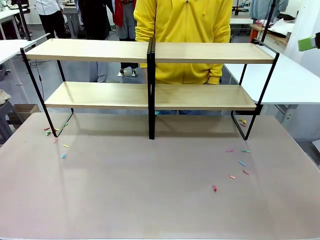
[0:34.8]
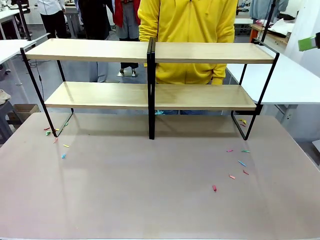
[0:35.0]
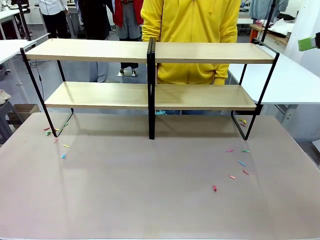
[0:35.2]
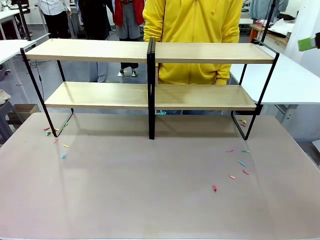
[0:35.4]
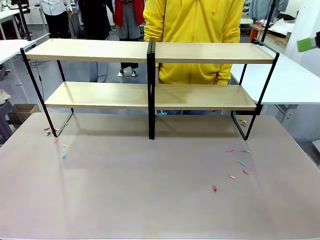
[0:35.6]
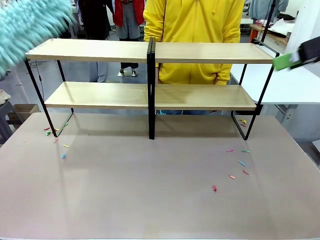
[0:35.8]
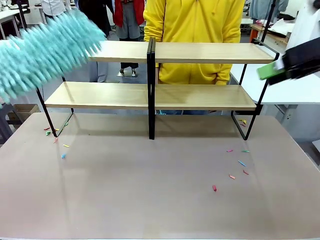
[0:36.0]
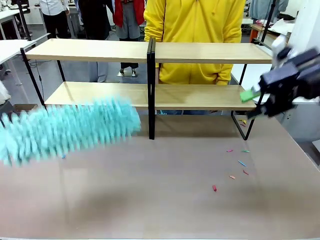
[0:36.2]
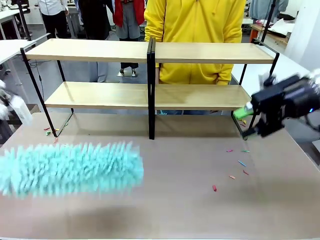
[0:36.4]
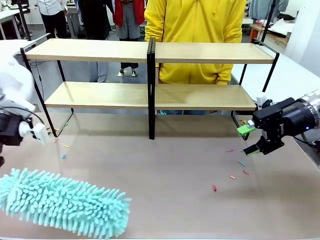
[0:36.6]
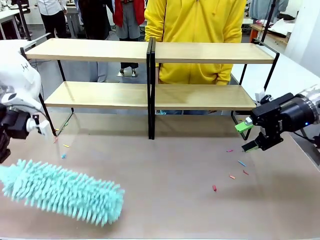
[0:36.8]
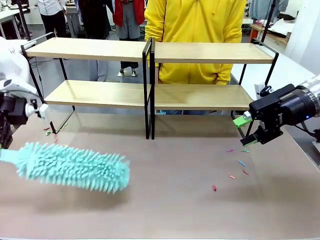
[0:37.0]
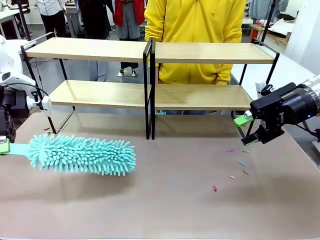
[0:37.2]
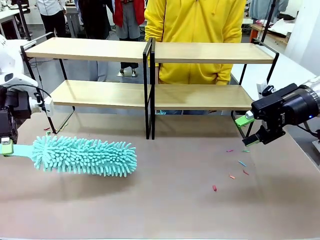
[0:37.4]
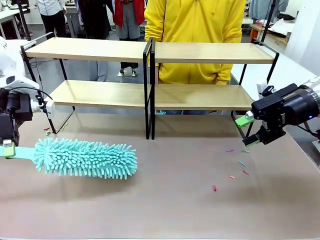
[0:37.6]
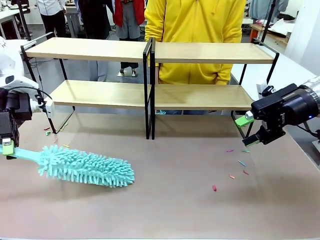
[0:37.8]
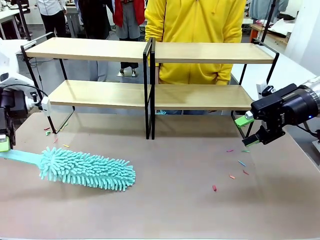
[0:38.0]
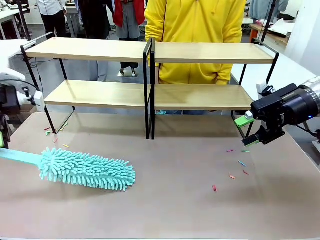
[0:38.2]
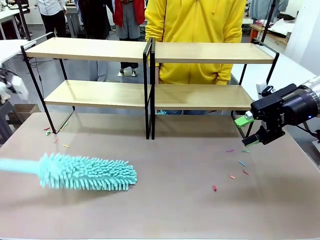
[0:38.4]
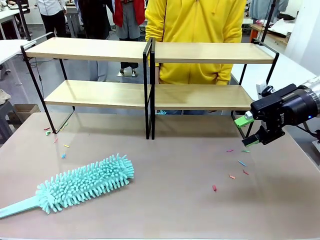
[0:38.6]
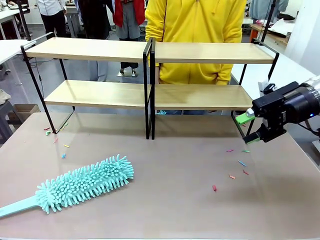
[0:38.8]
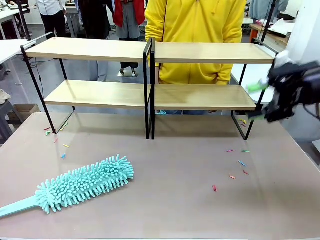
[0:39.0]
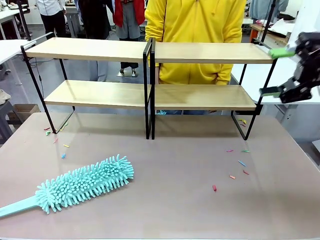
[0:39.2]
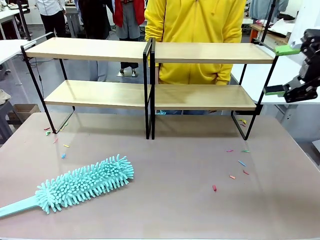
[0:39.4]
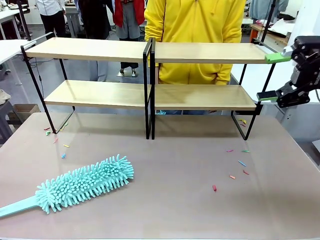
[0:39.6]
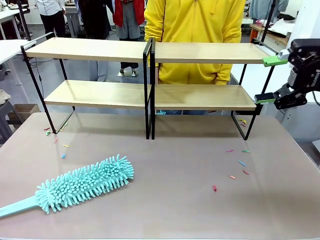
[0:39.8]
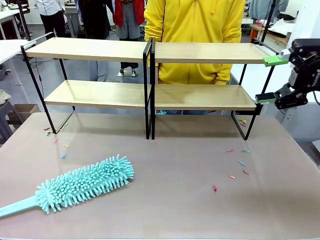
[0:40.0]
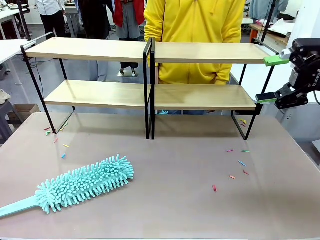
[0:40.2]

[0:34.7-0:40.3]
Task: Clean the shelves.
Robot: Place the Duster on the table.

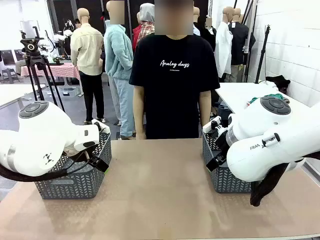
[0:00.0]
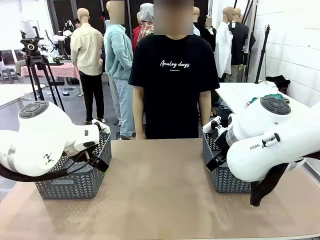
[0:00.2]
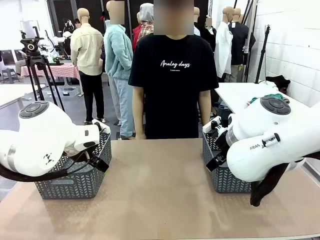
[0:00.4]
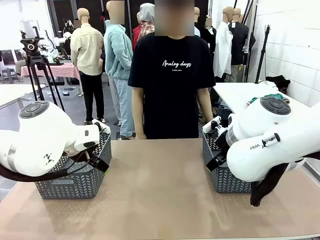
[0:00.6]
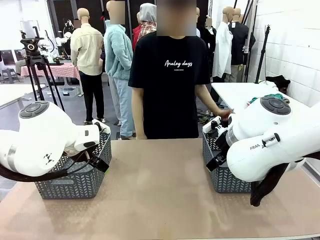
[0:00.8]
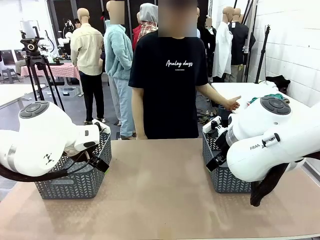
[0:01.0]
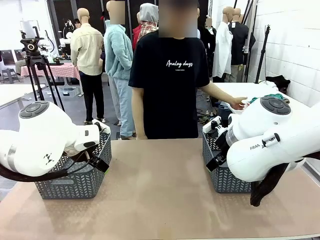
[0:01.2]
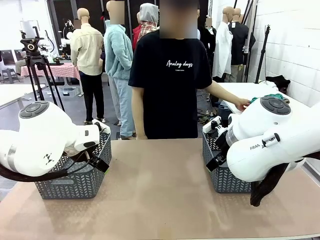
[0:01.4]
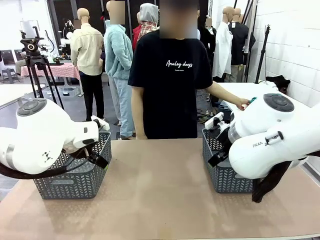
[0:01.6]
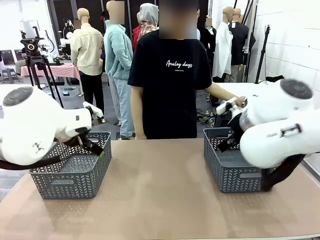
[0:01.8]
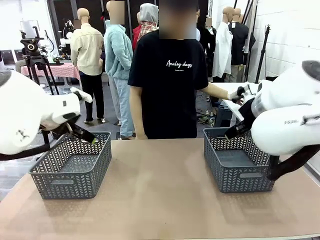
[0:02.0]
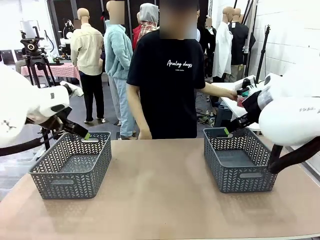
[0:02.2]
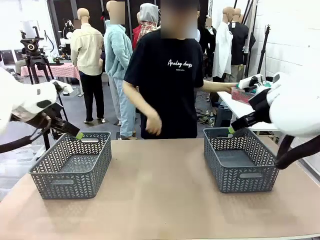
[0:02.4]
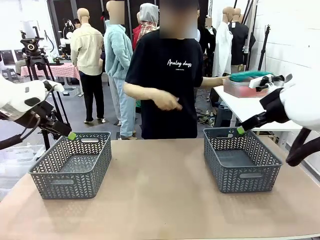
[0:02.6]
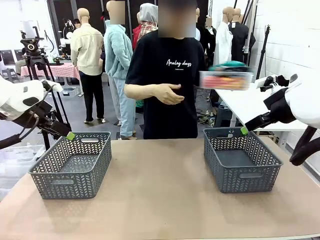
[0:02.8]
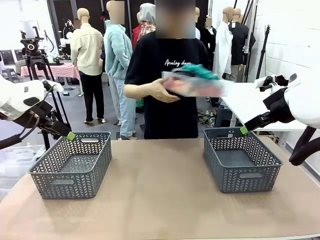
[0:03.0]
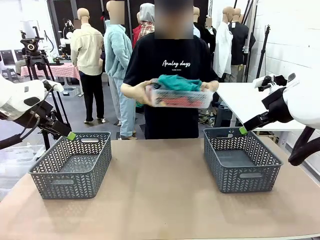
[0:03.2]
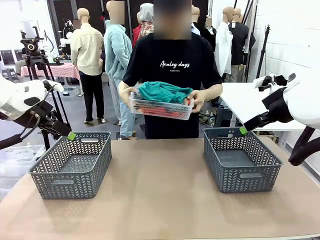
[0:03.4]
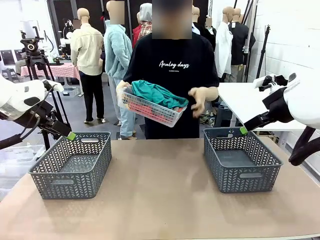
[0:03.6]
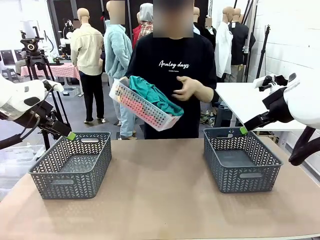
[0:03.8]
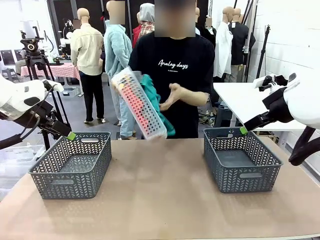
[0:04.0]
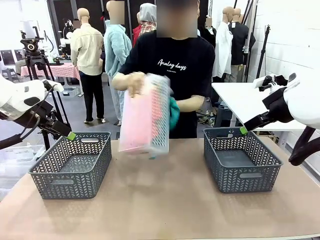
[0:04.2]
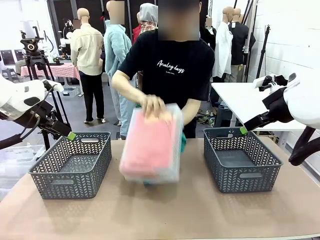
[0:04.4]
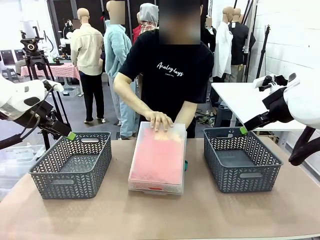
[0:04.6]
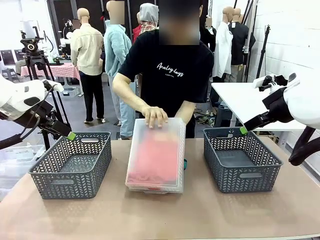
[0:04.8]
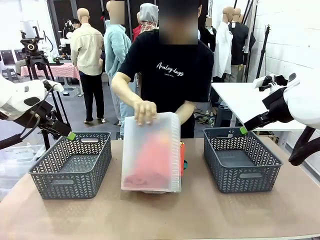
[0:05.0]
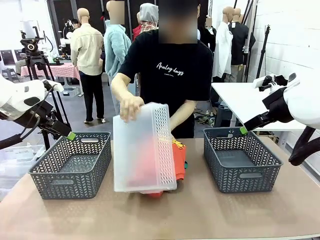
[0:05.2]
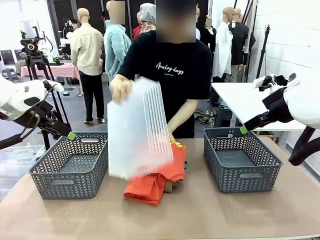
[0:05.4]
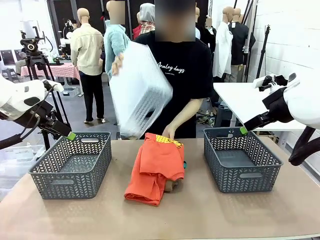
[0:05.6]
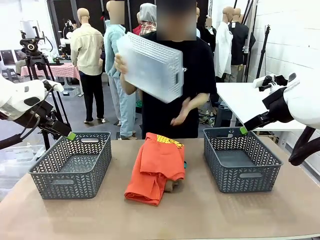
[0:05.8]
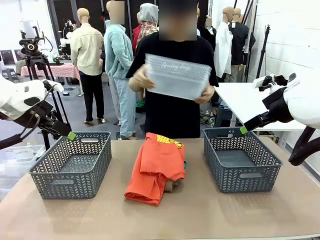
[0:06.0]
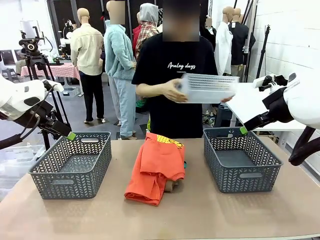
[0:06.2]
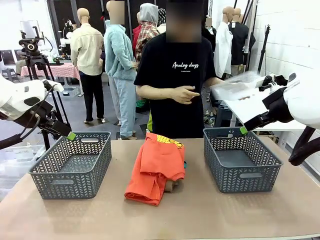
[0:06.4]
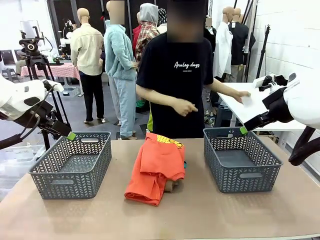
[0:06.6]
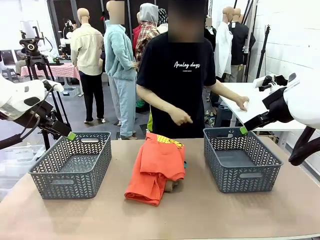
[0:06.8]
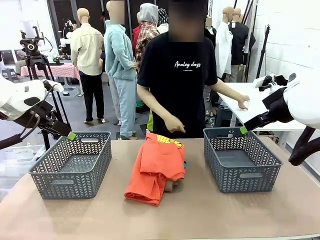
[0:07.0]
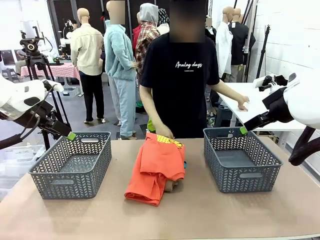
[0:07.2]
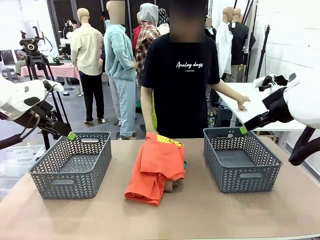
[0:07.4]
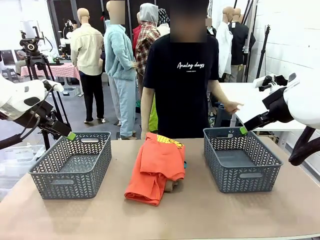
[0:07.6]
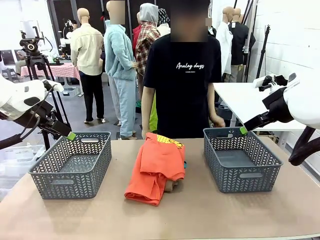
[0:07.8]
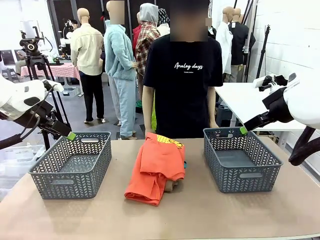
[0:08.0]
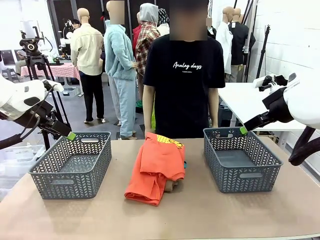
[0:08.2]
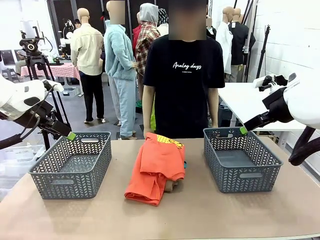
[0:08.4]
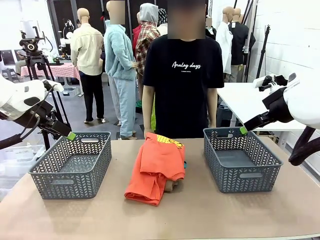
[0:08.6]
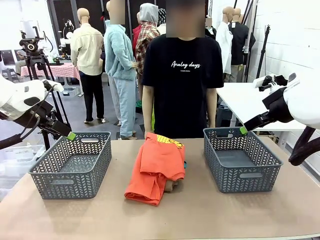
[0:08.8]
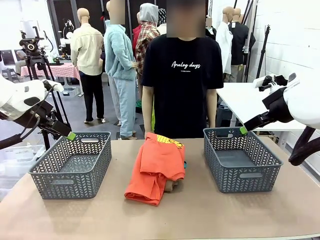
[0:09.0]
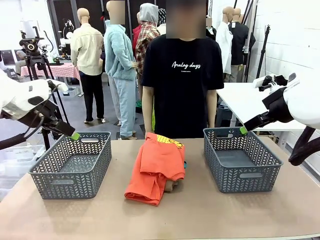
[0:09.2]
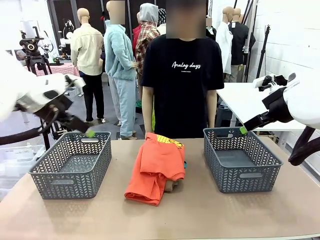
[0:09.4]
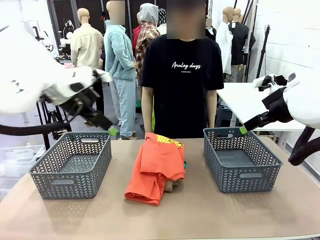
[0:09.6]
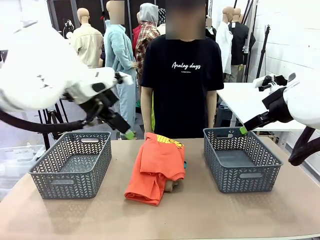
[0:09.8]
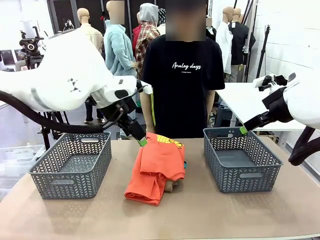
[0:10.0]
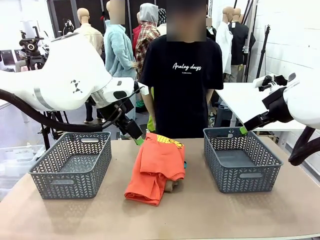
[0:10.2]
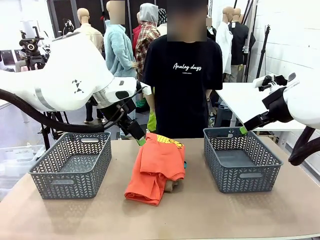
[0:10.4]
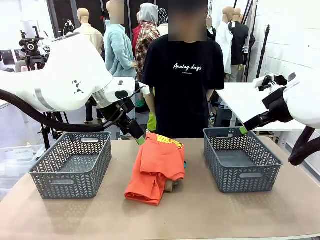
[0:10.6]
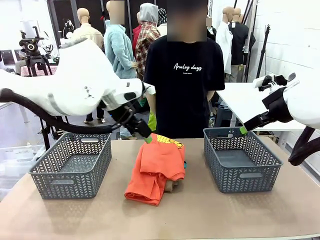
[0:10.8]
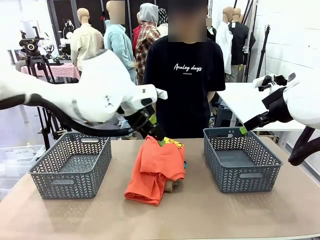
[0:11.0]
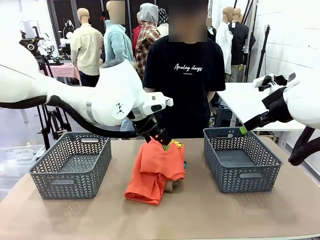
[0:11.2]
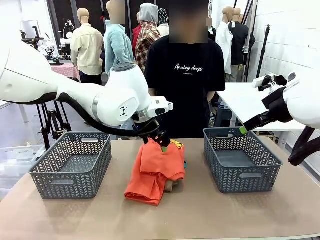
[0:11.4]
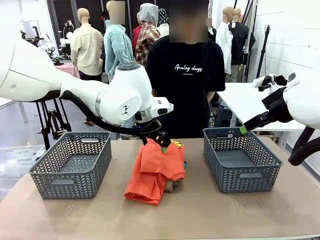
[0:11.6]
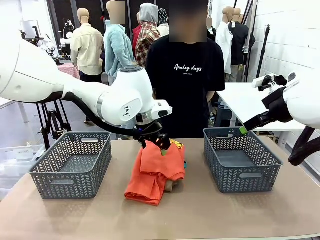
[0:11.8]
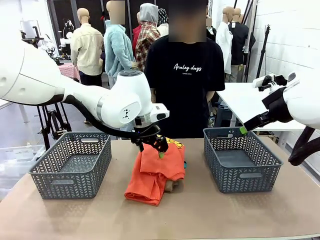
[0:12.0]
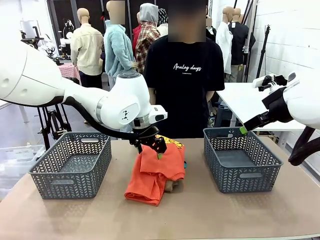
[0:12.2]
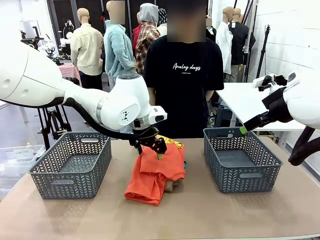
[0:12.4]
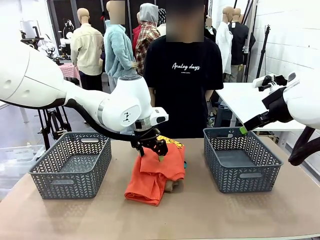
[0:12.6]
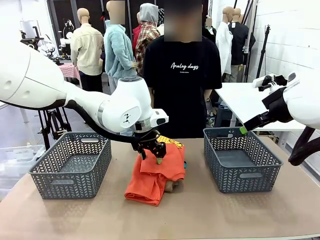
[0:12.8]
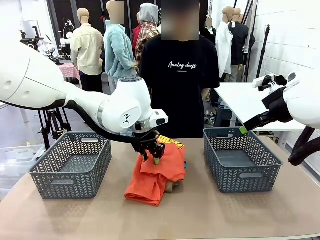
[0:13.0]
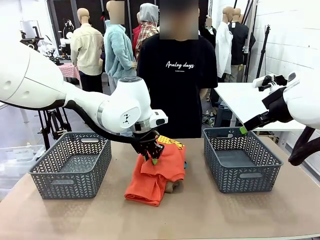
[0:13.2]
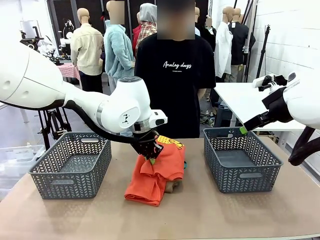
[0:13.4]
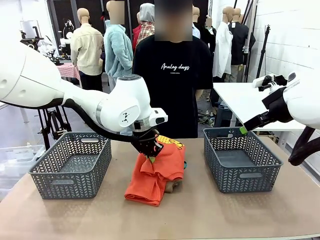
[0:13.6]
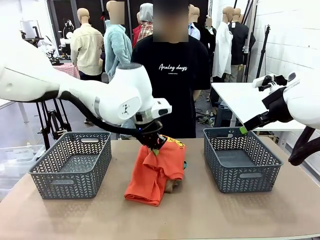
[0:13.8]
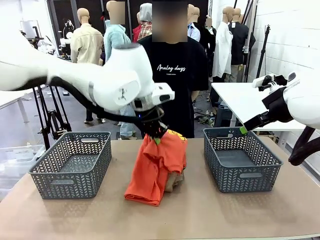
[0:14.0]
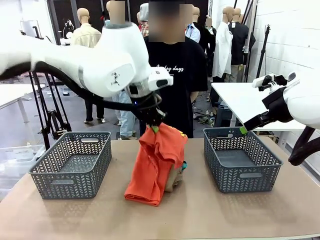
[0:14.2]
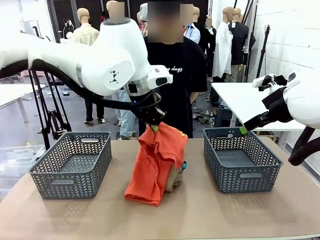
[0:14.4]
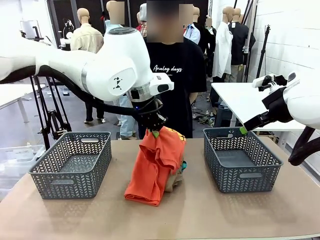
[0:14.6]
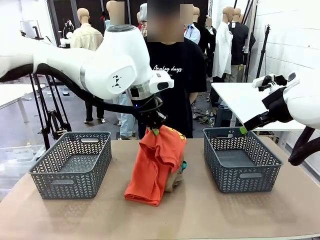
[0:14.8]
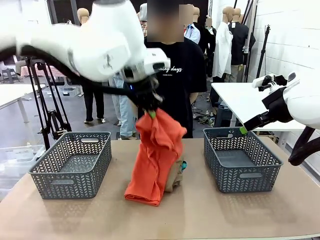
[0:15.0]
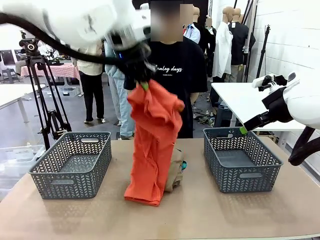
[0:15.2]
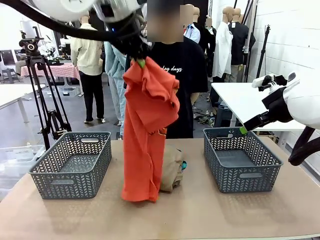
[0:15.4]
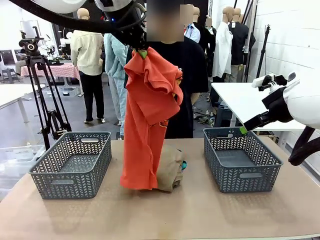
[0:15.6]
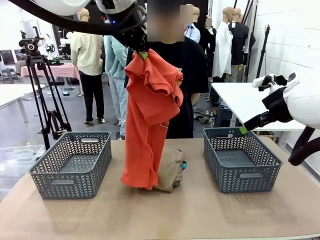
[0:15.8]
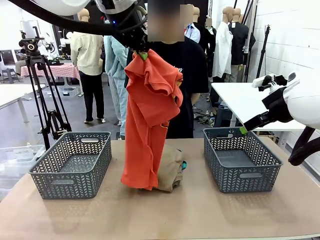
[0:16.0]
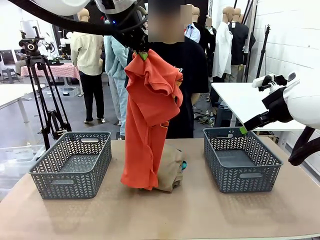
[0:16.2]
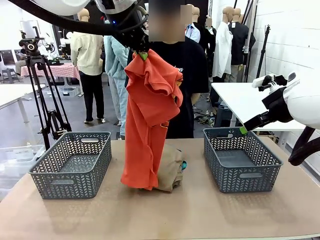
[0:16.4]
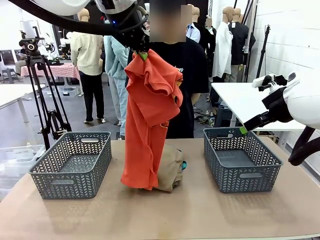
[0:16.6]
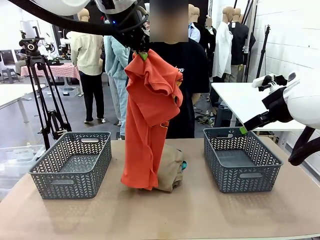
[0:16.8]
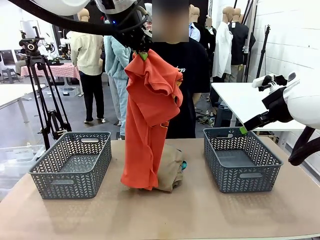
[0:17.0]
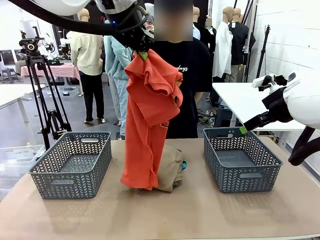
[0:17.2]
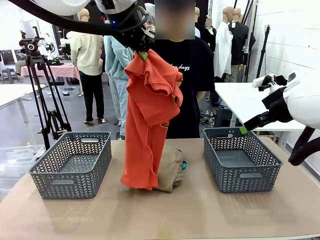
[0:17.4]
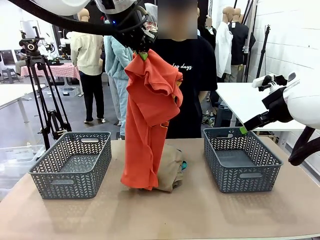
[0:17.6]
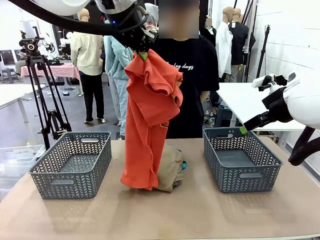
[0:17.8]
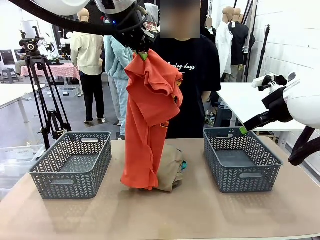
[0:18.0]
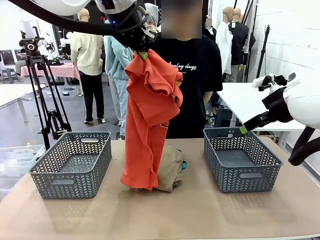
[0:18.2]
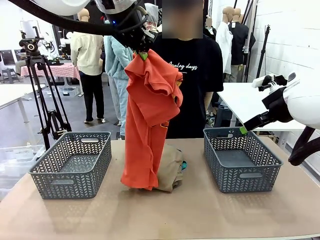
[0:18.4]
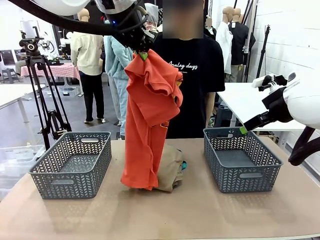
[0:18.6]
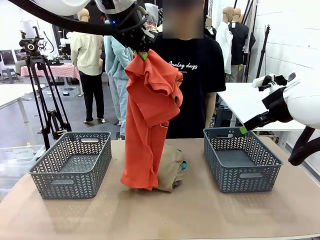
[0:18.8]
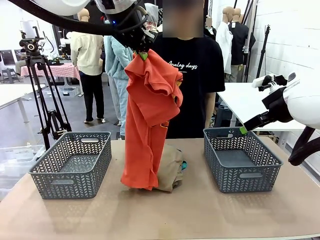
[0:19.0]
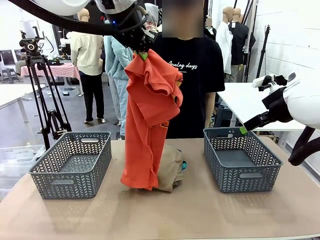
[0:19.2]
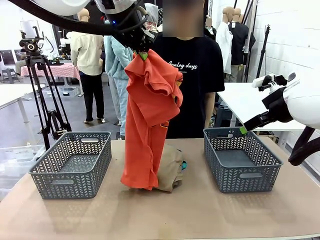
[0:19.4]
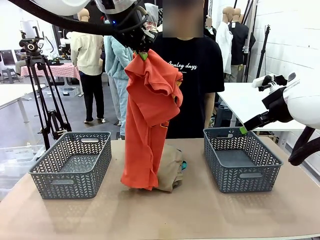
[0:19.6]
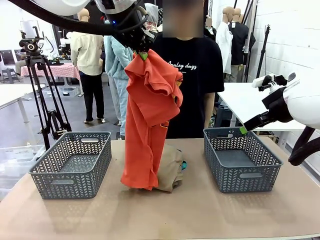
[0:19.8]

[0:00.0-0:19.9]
Task: Sort the tops and bottoms.
Robot: Lift clothes from the center of the table with your left hand.
Person: Pour the clothes from the basket onto the center of the robot table.
